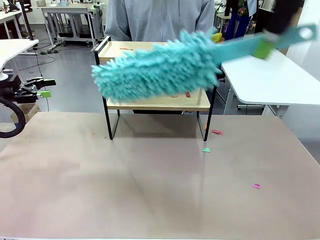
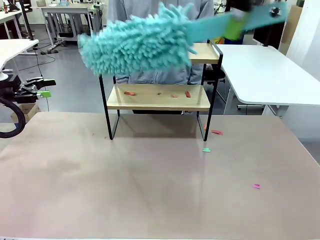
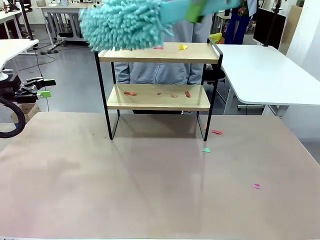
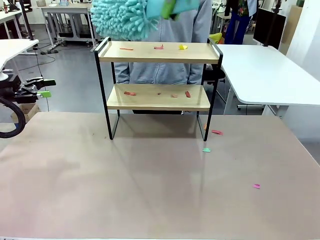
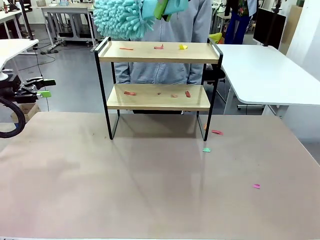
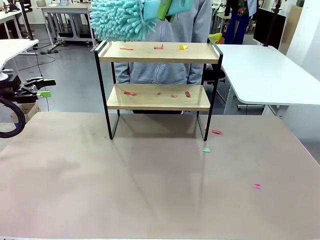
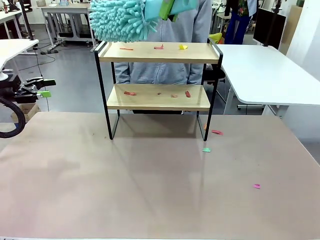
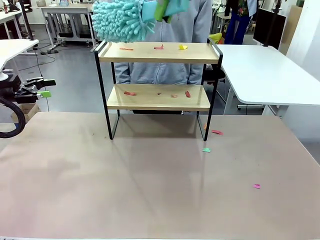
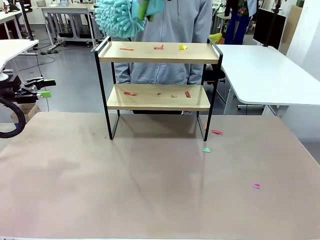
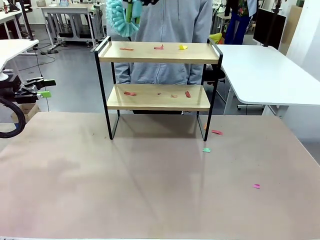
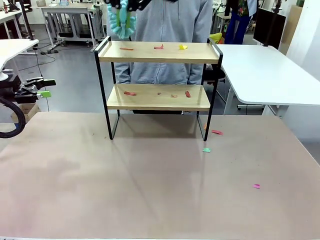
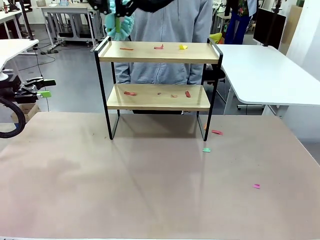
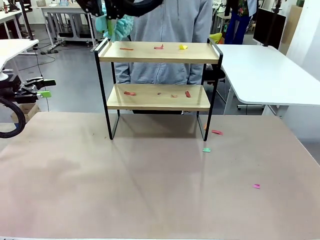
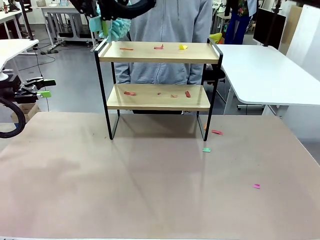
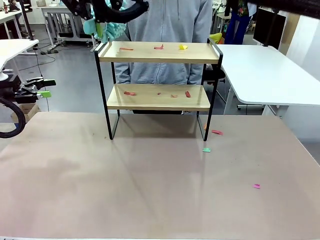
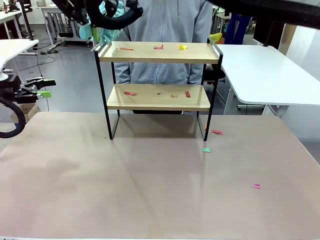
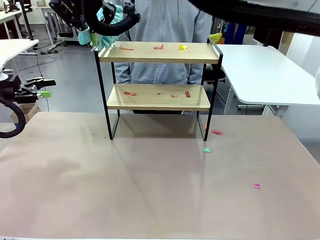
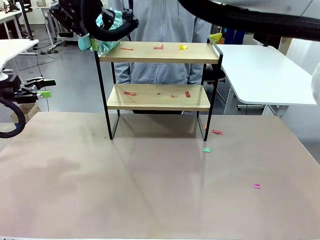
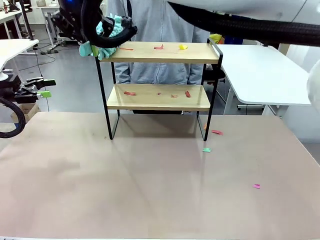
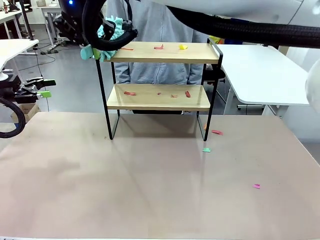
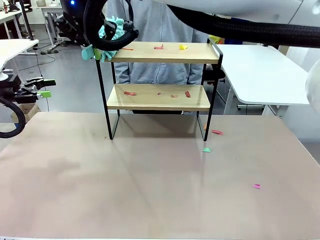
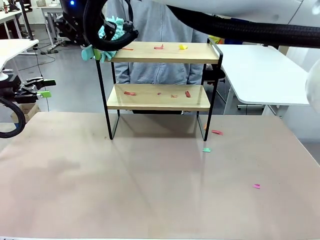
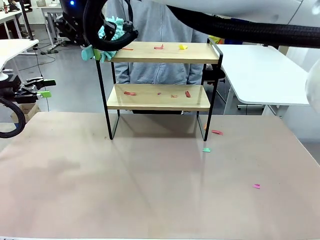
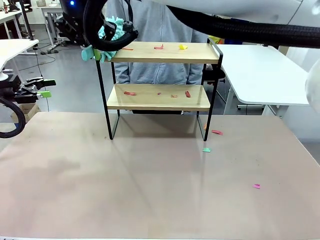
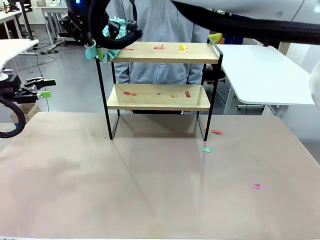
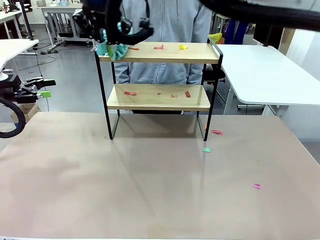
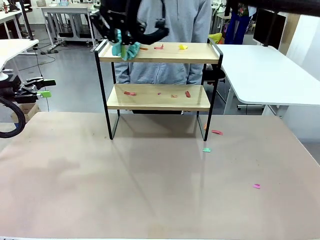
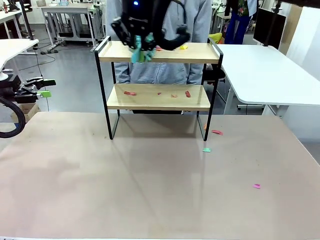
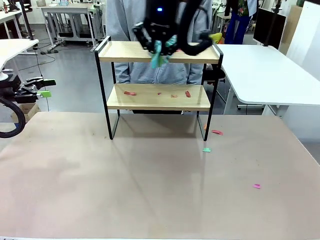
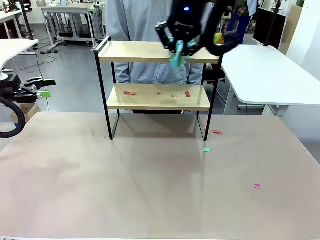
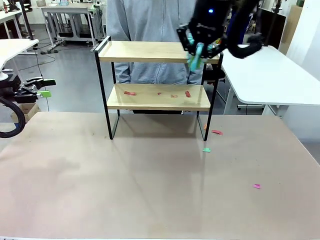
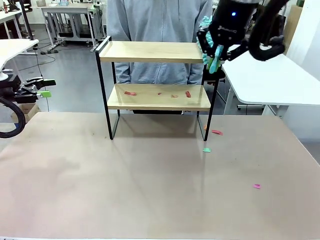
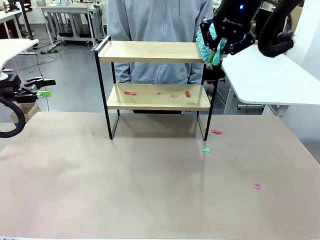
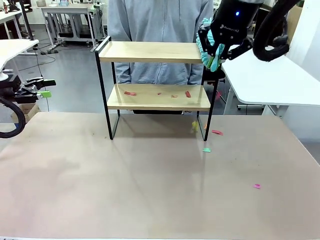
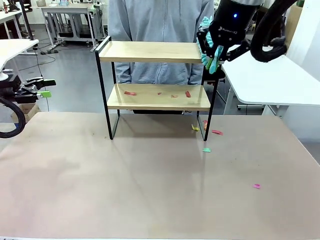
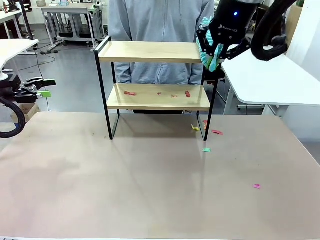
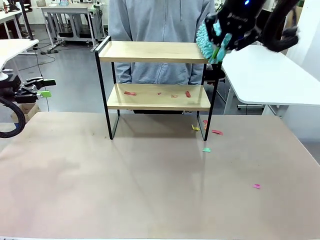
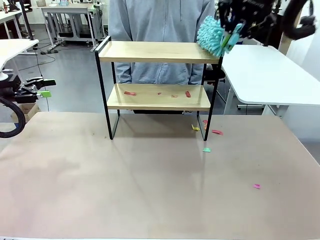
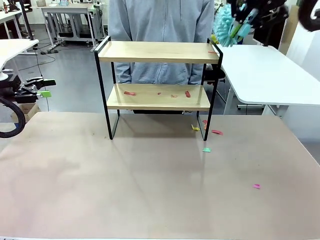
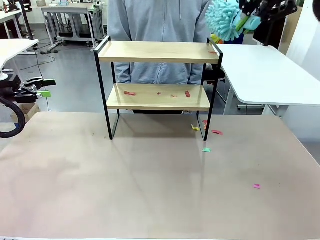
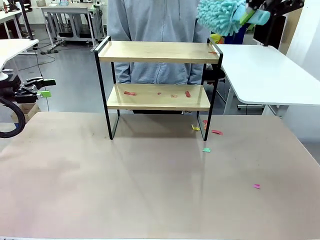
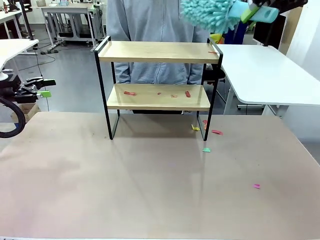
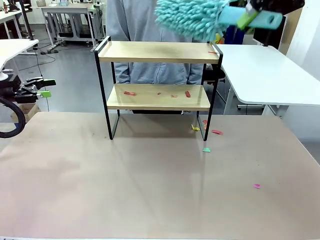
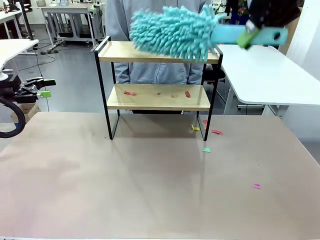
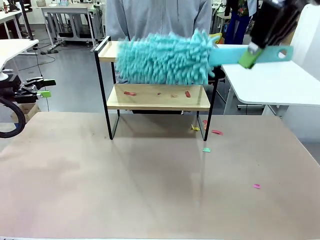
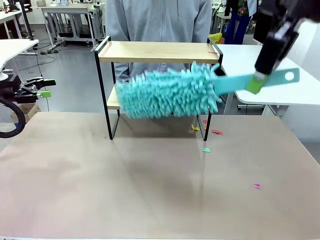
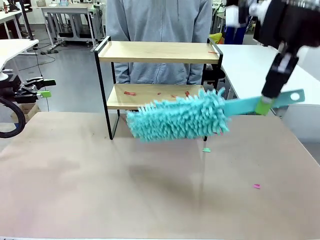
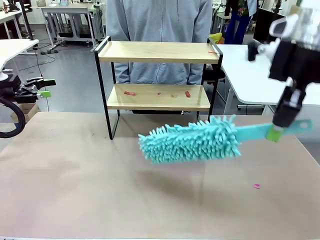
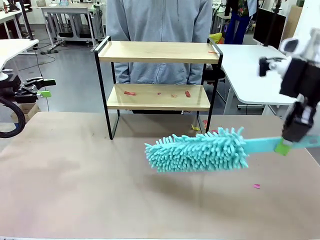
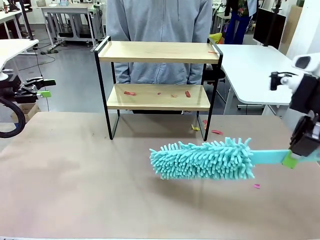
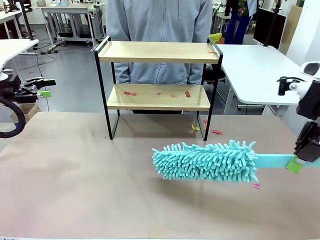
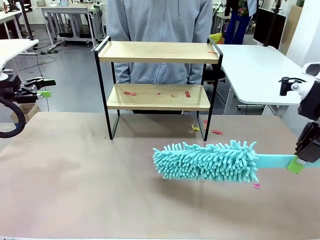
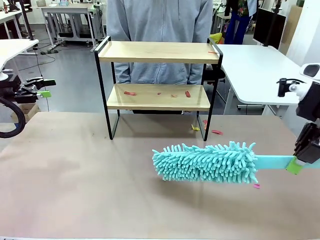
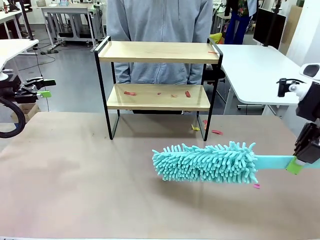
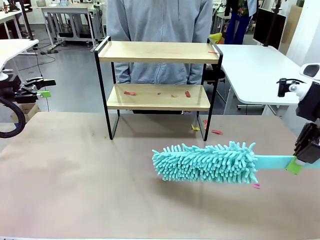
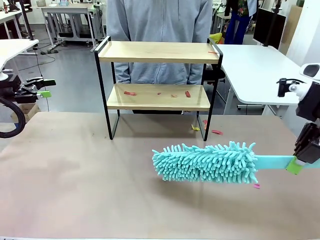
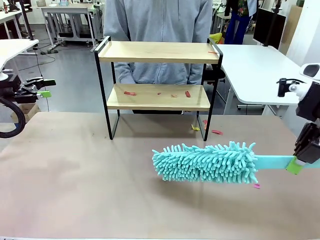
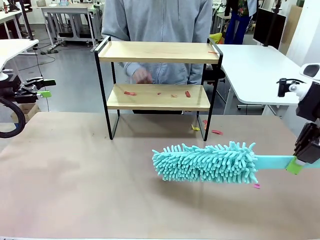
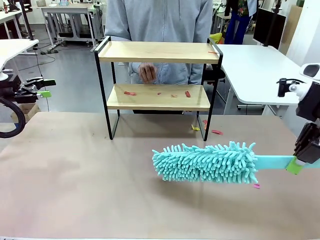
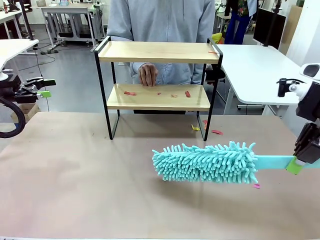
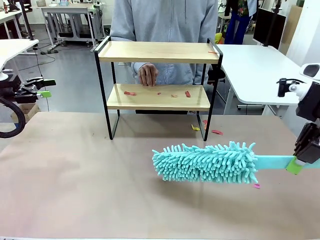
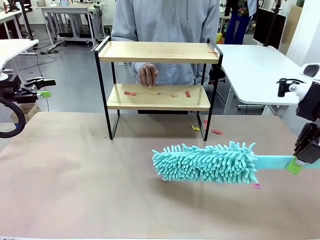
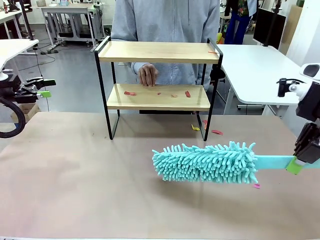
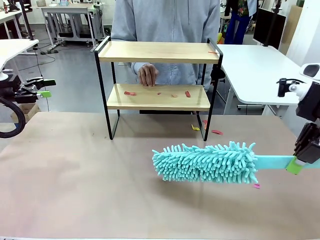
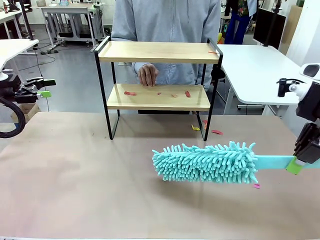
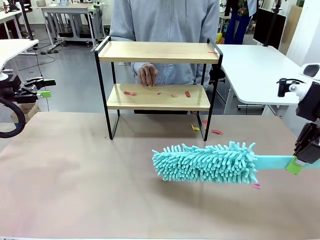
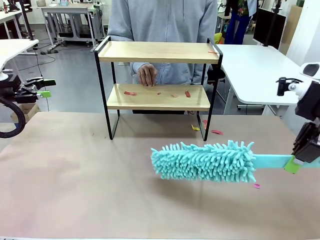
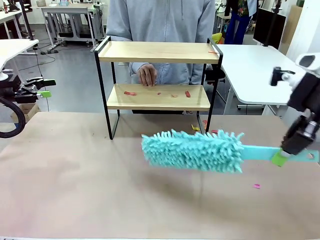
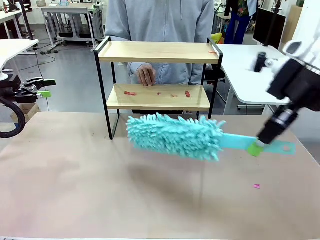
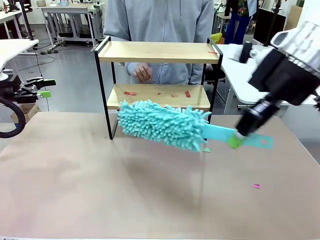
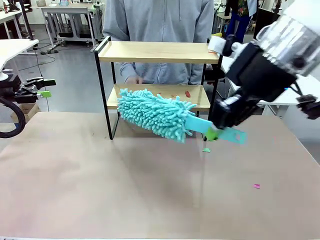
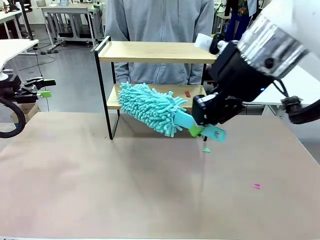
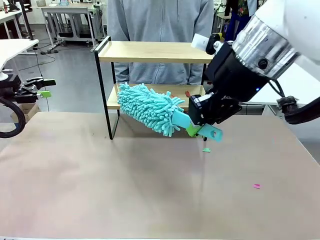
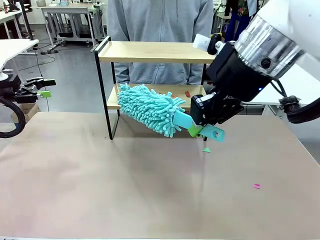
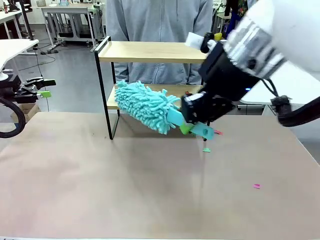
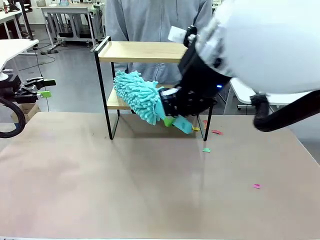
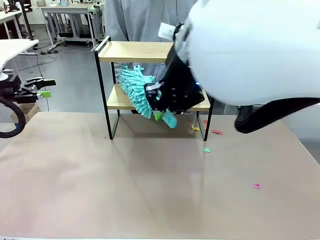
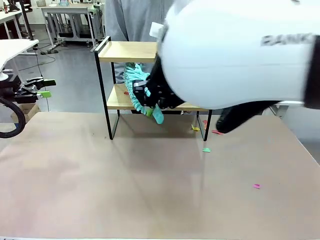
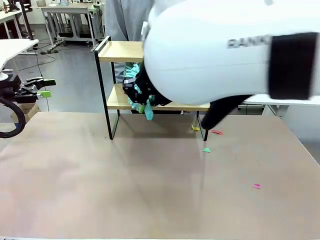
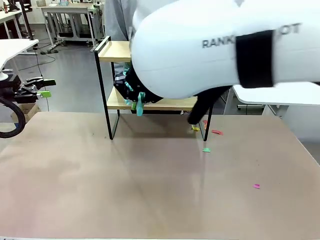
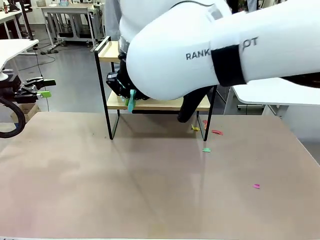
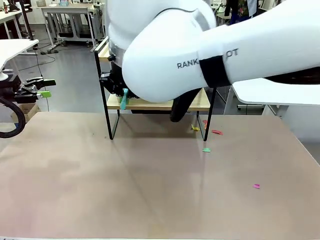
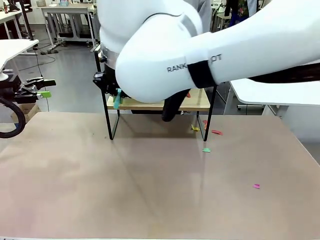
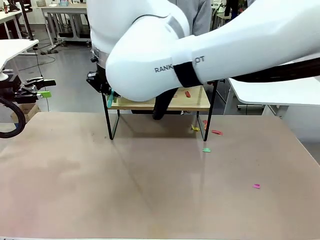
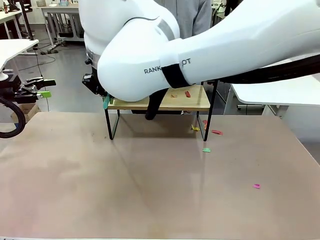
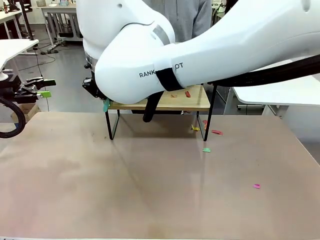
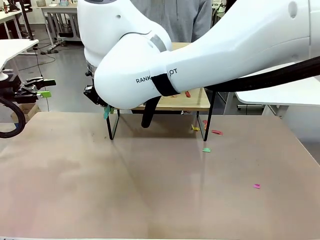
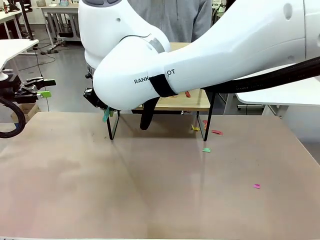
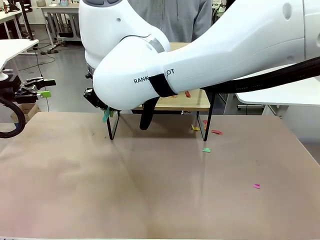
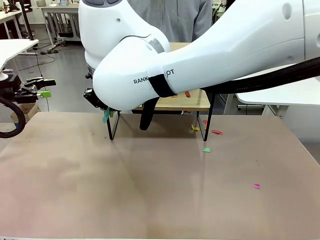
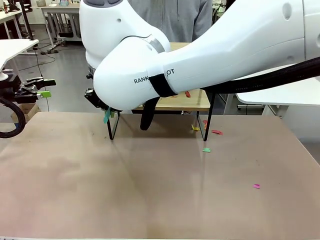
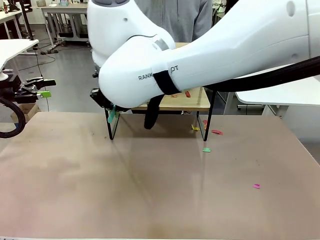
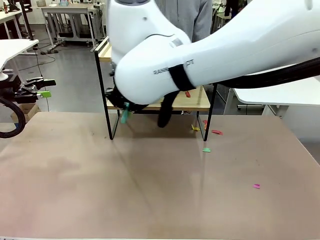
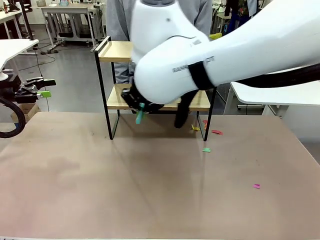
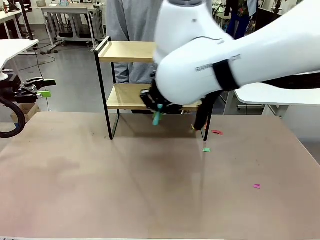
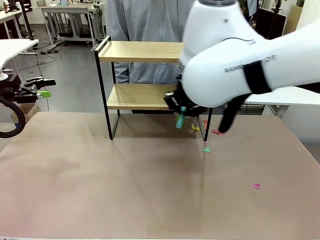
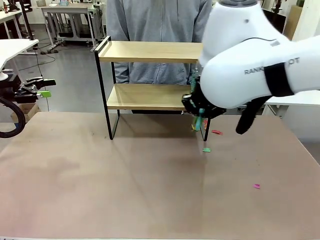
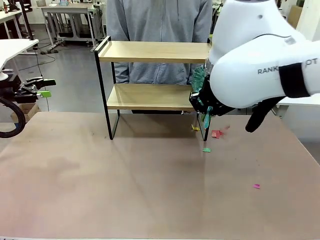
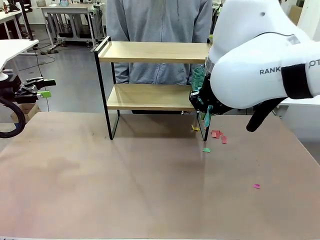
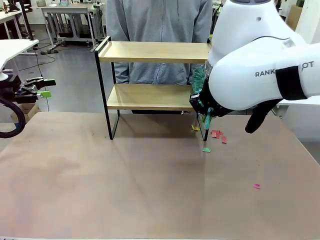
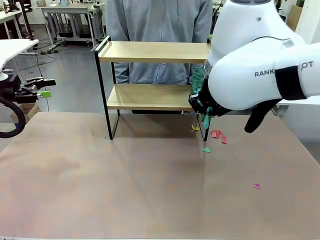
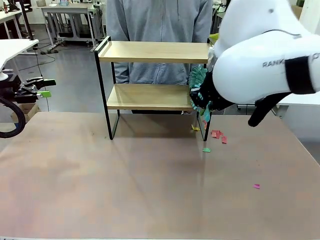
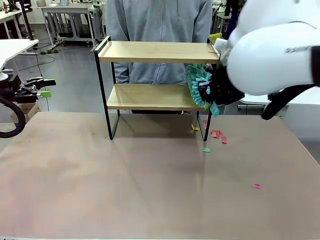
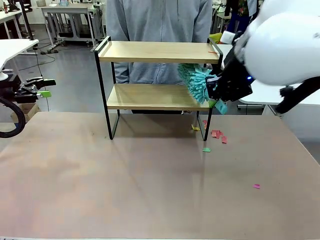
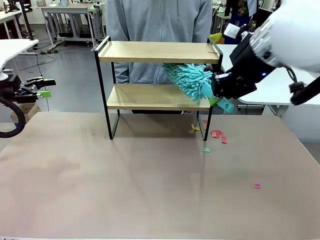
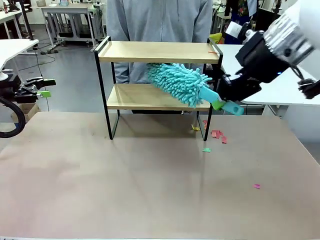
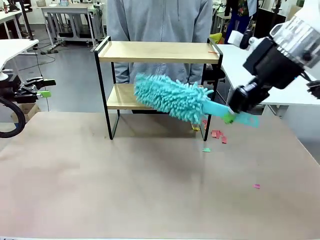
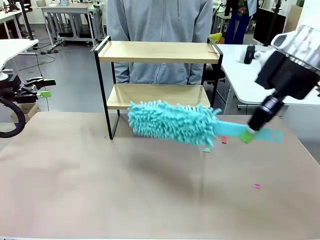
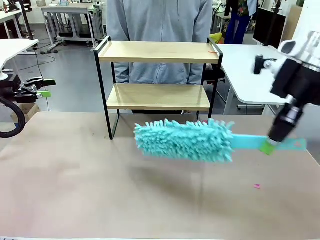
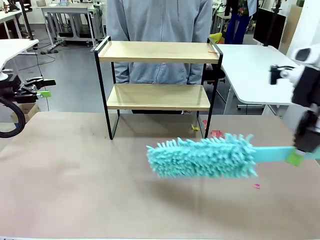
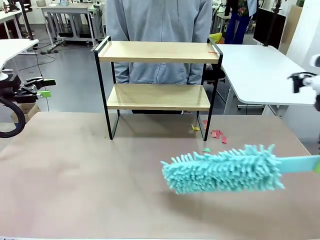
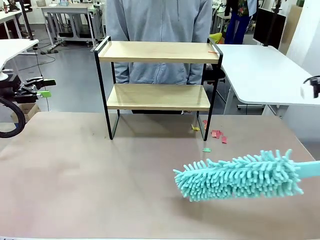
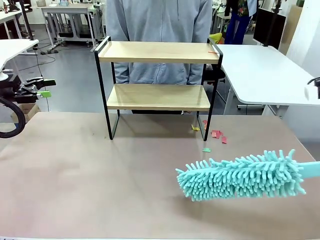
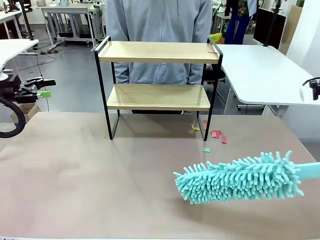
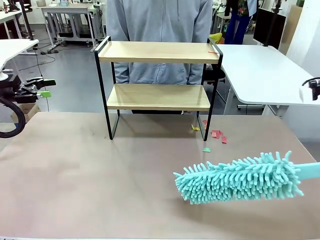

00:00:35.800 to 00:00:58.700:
Task: Clean the shelf.
Robot: Clean the specific section of the Shelf indicated by the human with the Duster.
Person: Point a remaining section of the Shelf.
